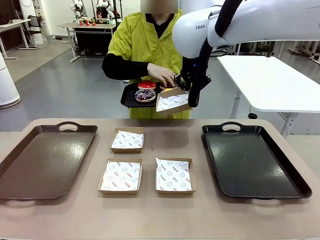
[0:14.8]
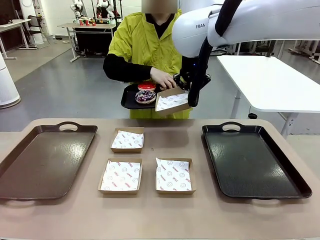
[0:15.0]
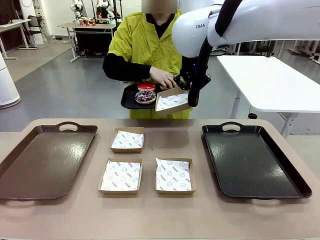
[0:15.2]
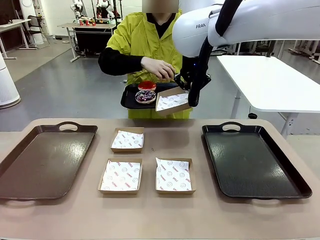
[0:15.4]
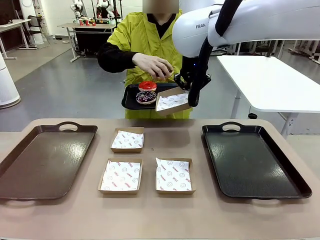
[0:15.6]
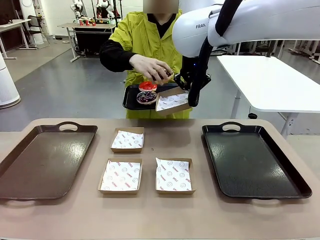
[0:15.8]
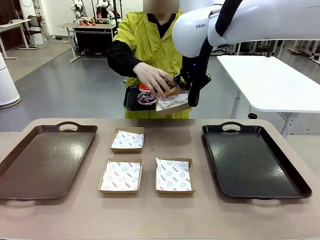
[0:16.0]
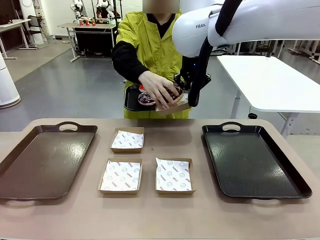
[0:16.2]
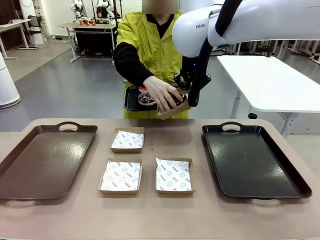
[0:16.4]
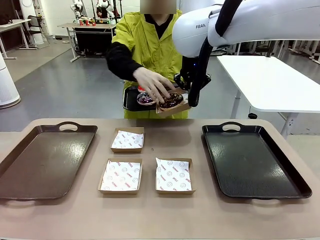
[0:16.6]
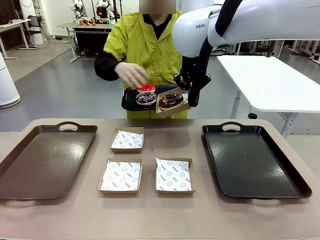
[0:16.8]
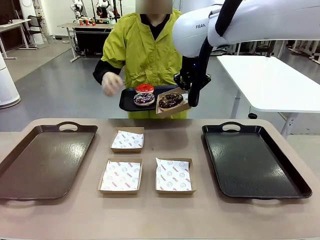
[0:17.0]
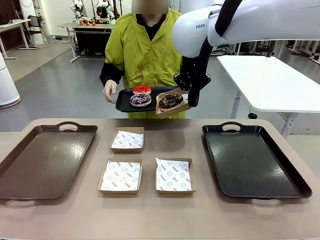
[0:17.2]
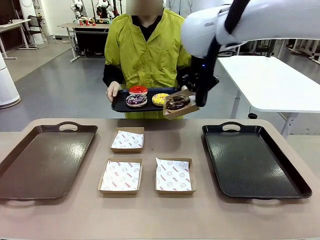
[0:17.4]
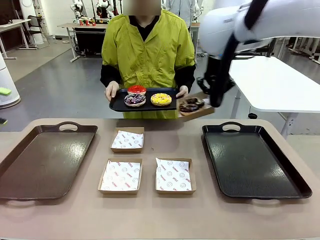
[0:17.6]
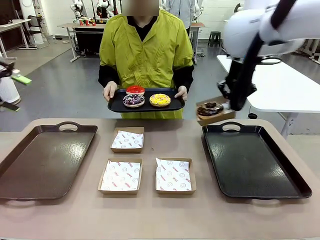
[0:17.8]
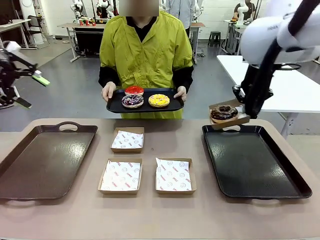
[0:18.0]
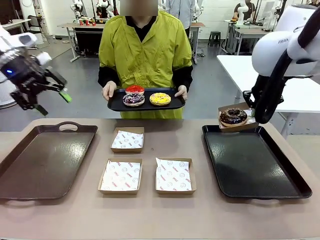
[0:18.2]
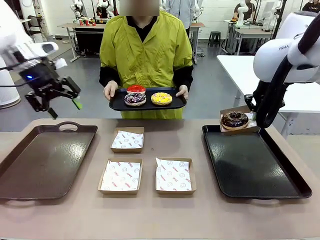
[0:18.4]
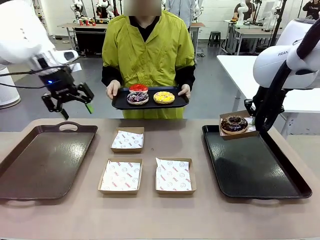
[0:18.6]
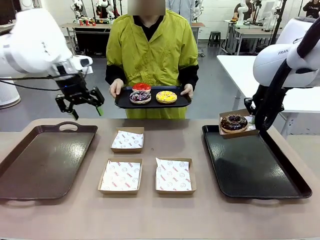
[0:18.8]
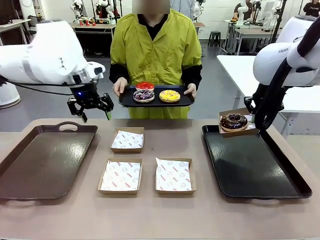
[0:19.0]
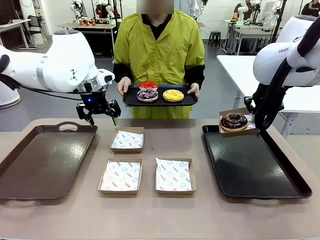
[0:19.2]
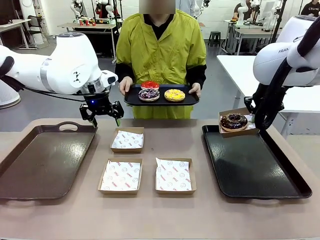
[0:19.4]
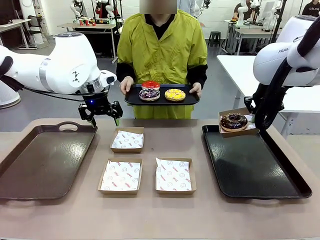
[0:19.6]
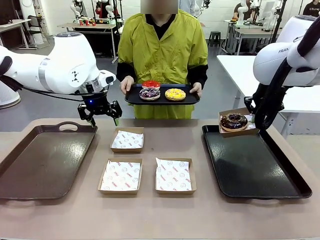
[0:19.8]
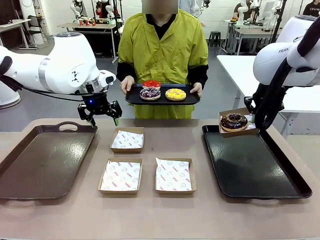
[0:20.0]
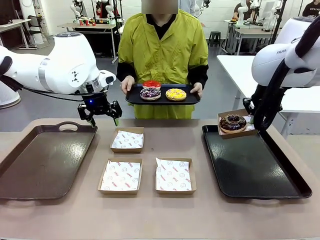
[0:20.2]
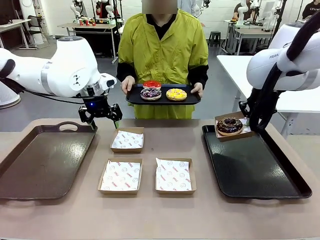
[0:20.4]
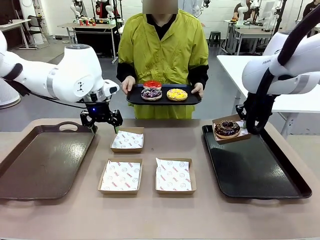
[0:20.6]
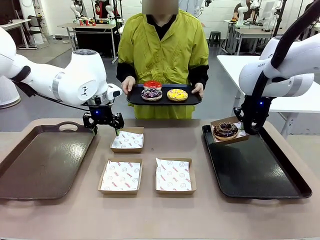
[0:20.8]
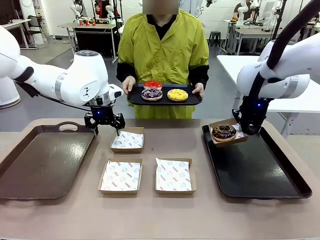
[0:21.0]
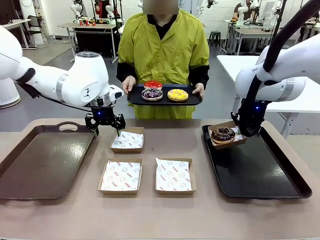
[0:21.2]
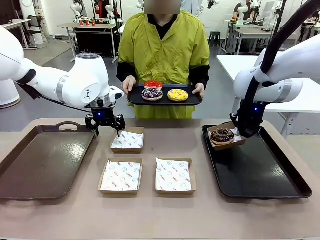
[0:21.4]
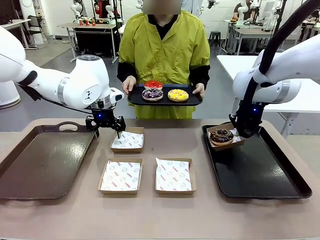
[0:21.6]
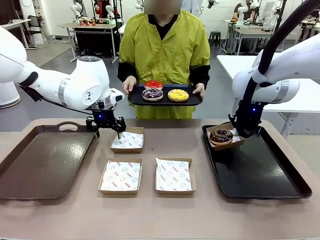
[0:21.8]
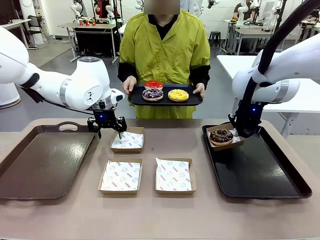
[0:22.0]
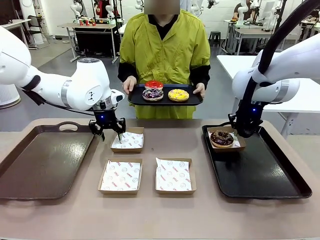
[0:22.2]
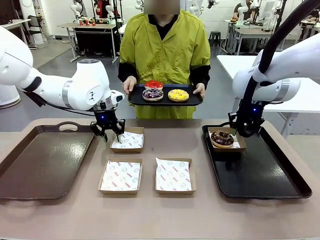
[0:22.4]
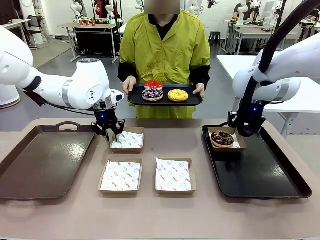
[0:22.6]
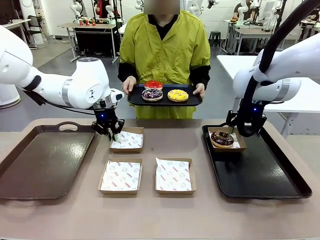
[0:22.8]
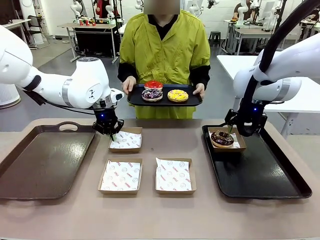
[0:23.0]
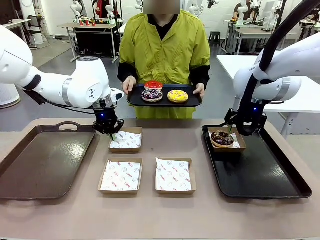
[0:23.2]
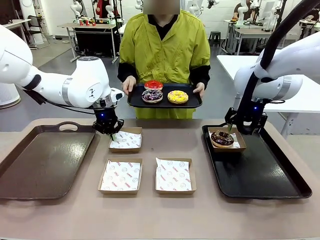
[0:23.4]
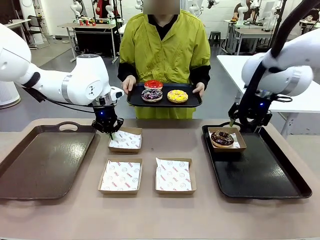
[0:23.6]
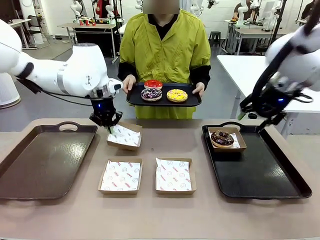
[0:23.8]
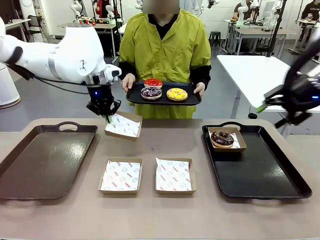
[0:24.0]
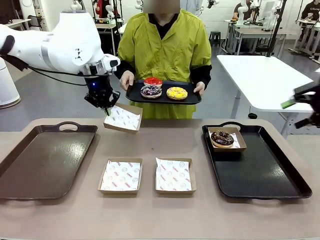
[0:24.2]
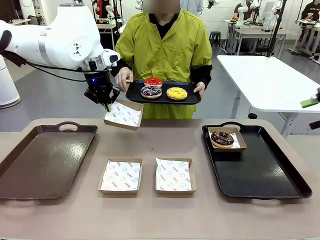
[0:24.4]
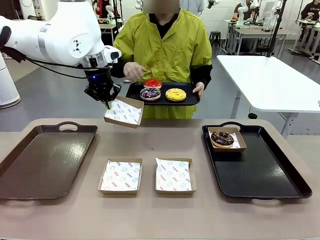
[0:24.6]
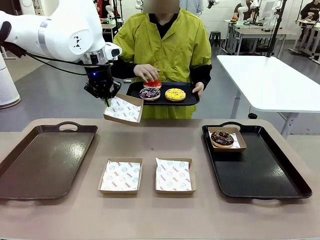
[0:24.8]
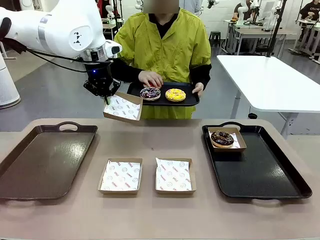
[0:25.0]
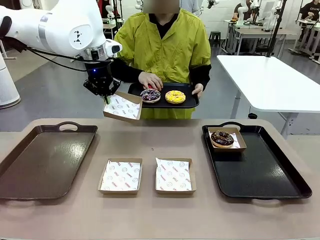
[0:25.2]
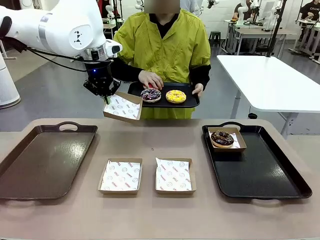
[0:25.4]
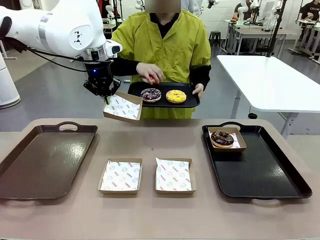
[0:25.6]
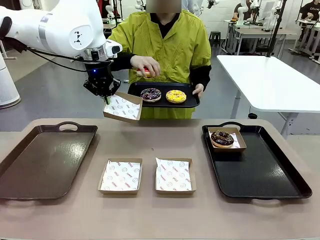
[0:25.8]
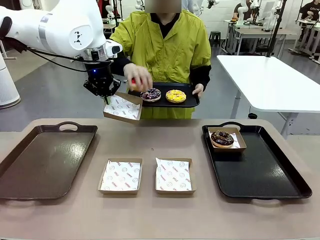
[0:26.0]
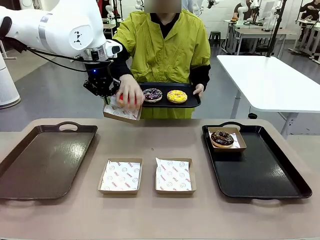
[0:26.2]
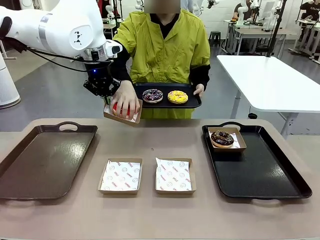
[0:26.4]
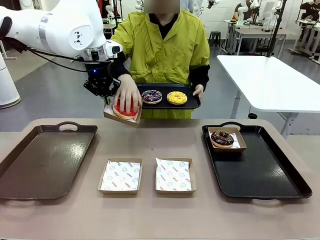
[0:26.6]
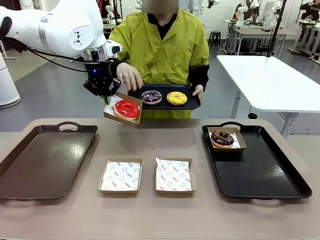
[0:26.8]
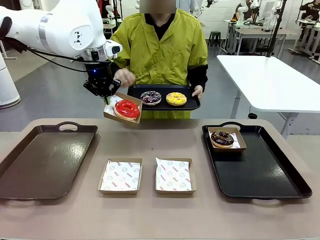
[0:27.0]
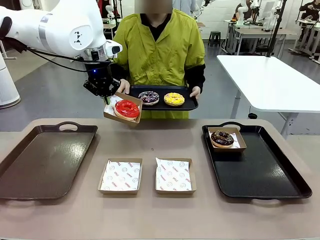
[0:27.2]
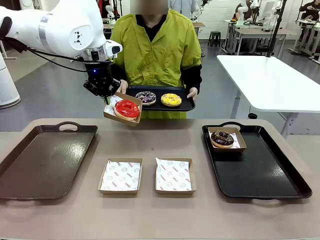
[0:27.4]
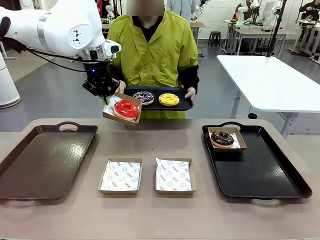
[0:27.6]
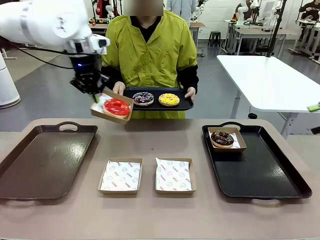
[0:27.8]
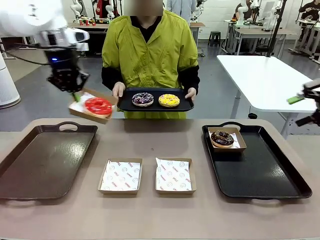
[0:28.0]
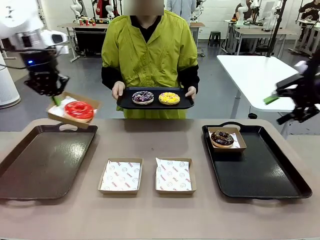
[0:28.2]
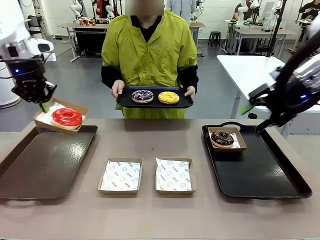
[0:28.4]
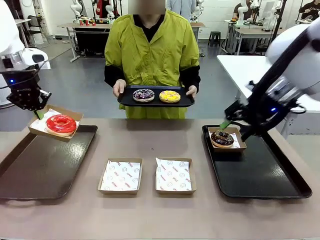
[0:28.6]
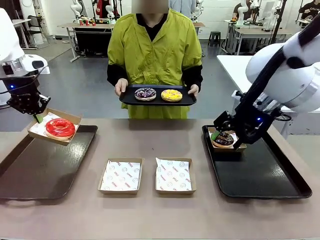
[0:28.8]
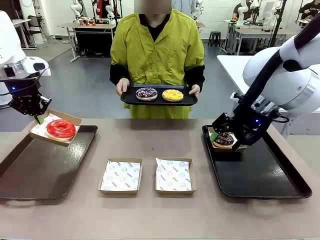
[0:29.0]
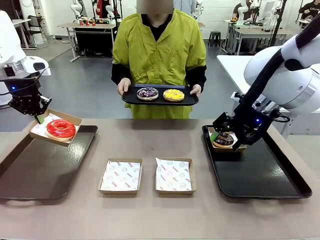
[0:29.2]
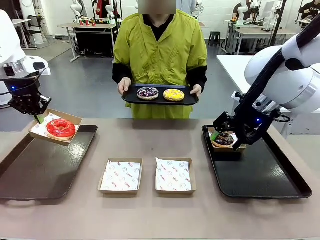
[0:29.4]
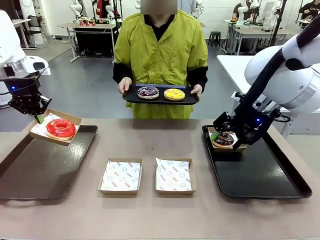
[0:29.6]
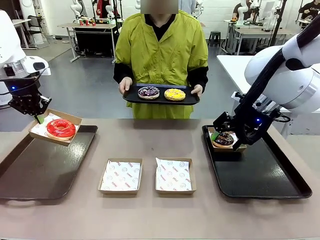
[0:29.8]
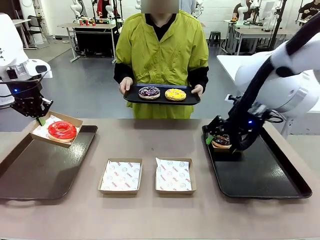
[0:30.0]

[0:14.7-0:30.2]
Task: Individually package the donuts and arrange them on the tray.
Robot: Place the picked Paper togo box on the Handle tray while simultaneously picking up another Paper togo box from the table with the other hand.
